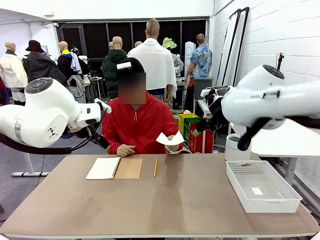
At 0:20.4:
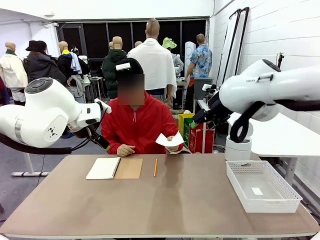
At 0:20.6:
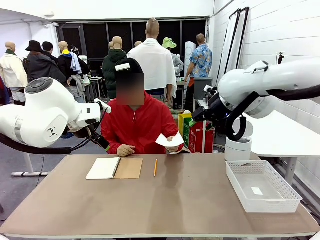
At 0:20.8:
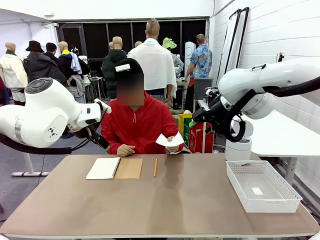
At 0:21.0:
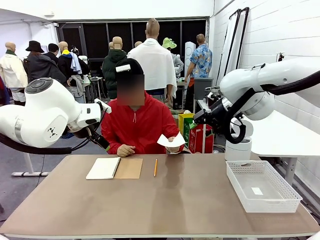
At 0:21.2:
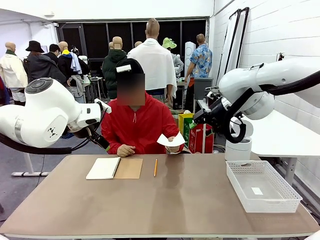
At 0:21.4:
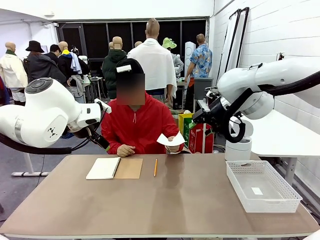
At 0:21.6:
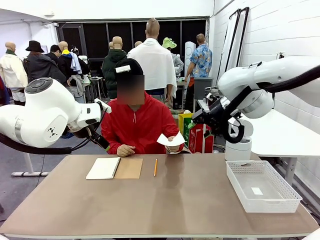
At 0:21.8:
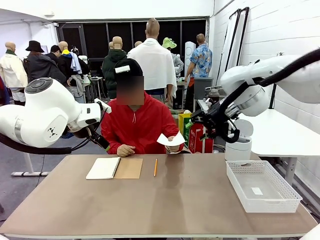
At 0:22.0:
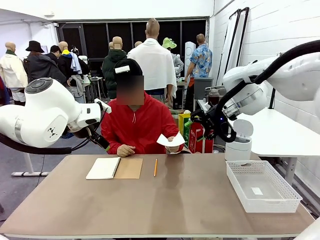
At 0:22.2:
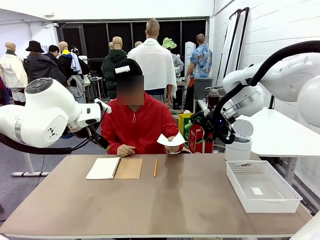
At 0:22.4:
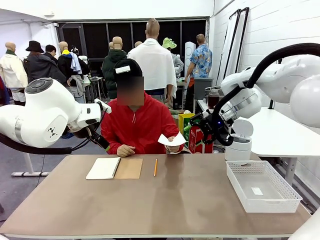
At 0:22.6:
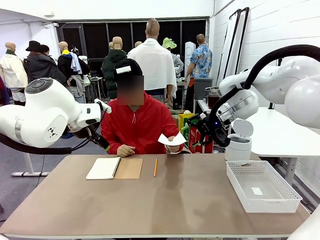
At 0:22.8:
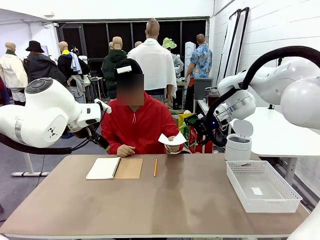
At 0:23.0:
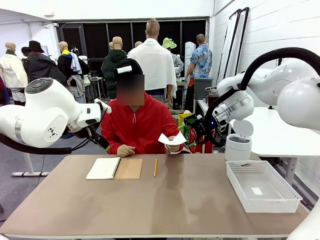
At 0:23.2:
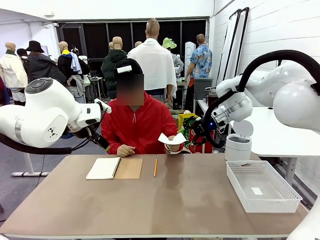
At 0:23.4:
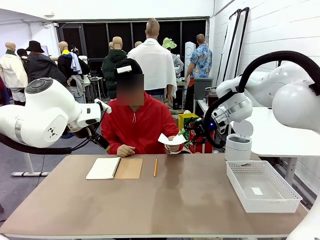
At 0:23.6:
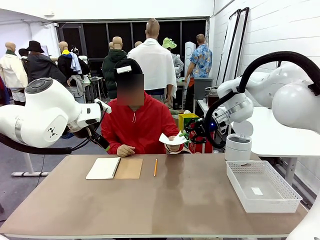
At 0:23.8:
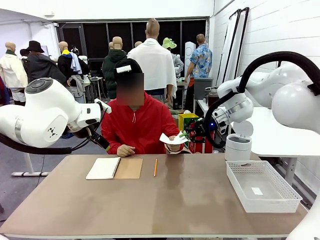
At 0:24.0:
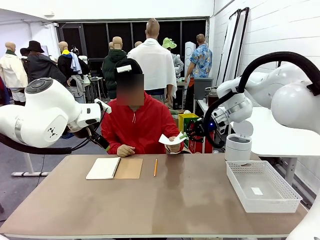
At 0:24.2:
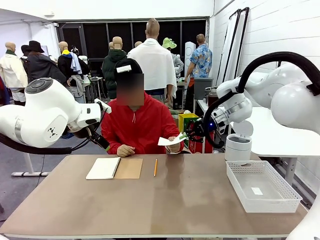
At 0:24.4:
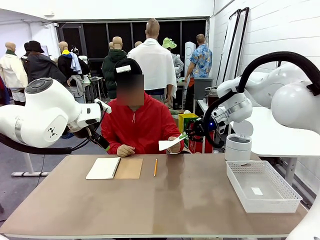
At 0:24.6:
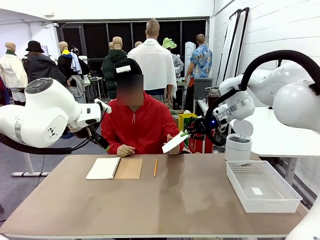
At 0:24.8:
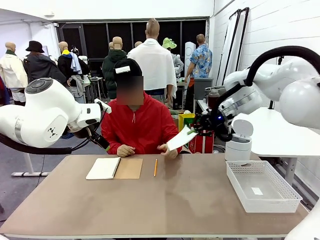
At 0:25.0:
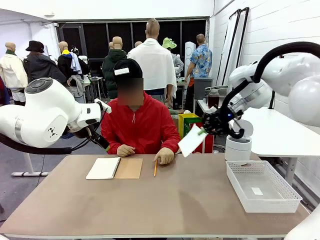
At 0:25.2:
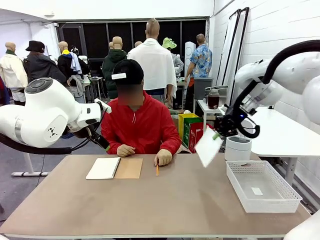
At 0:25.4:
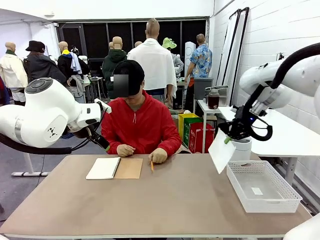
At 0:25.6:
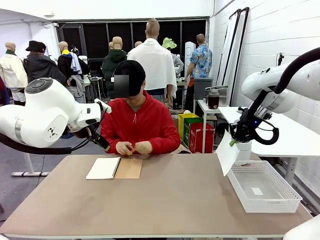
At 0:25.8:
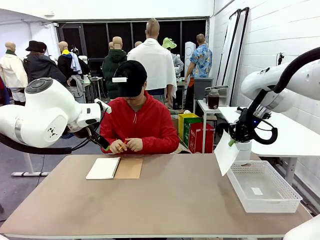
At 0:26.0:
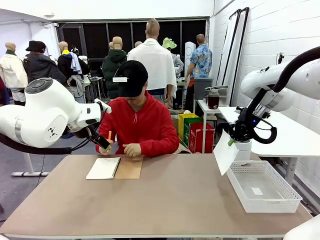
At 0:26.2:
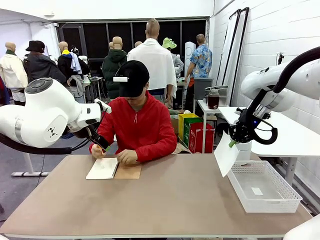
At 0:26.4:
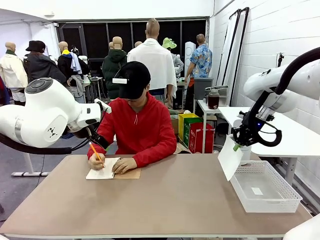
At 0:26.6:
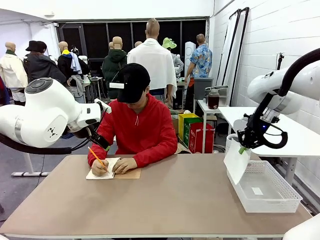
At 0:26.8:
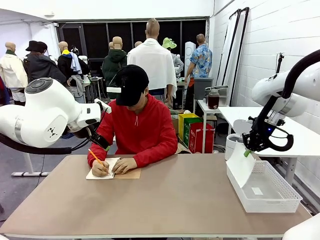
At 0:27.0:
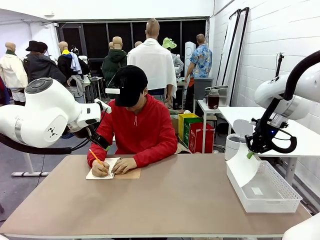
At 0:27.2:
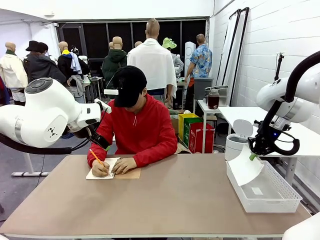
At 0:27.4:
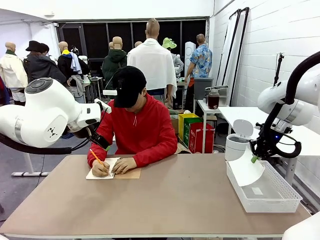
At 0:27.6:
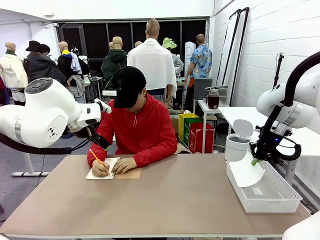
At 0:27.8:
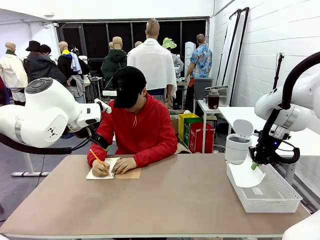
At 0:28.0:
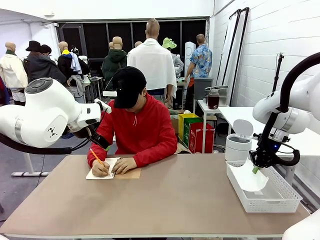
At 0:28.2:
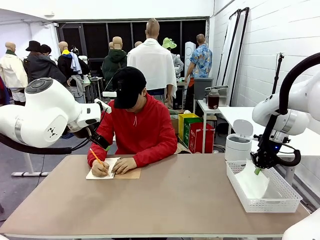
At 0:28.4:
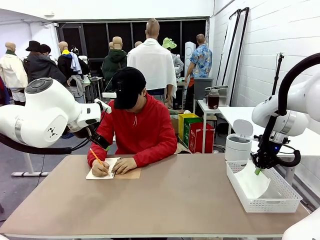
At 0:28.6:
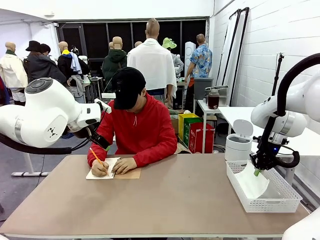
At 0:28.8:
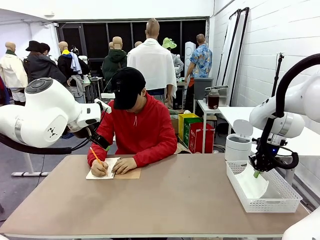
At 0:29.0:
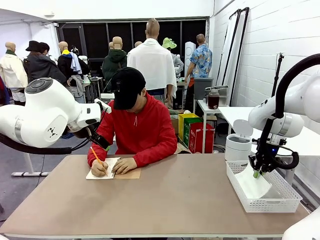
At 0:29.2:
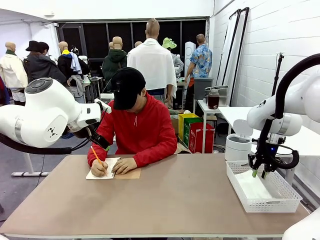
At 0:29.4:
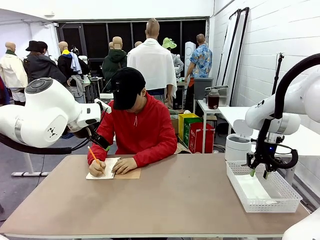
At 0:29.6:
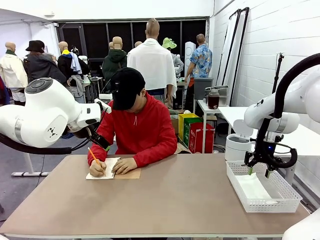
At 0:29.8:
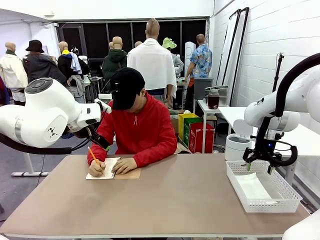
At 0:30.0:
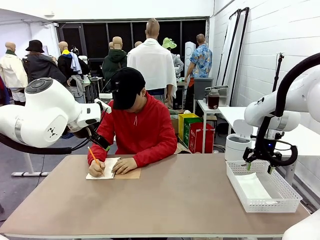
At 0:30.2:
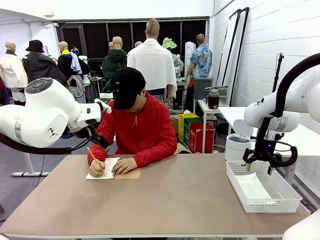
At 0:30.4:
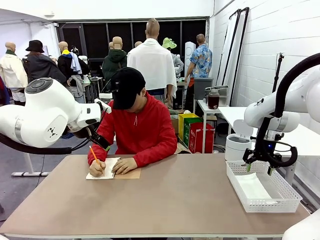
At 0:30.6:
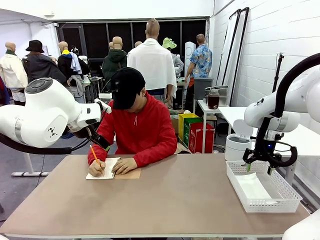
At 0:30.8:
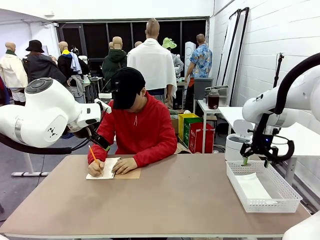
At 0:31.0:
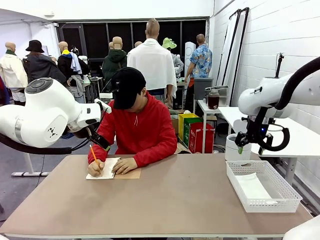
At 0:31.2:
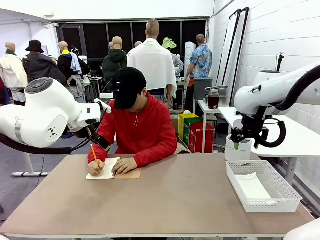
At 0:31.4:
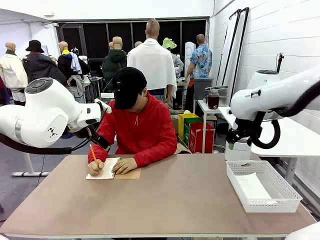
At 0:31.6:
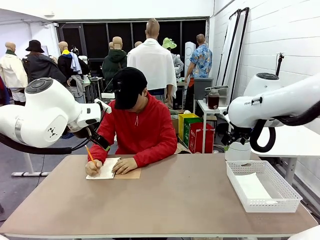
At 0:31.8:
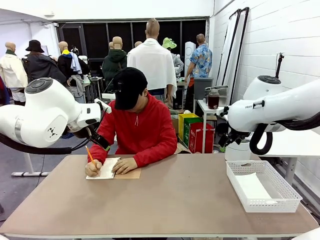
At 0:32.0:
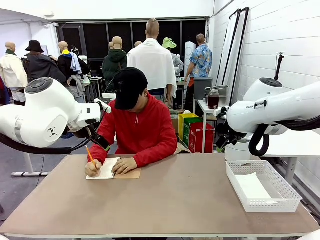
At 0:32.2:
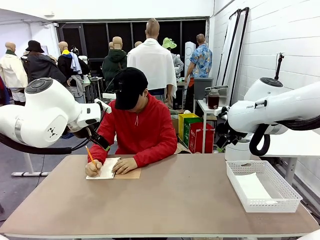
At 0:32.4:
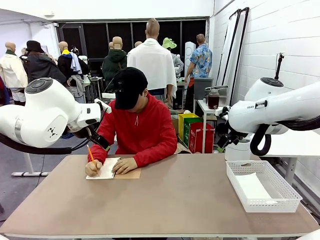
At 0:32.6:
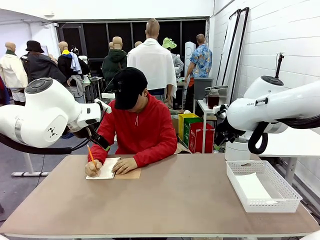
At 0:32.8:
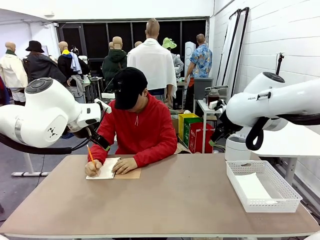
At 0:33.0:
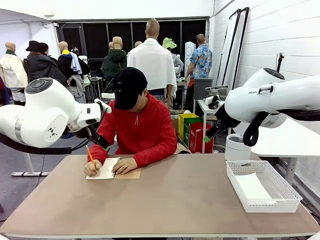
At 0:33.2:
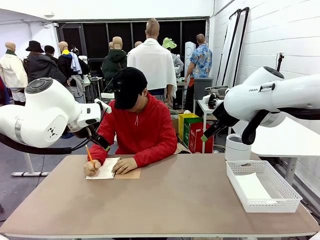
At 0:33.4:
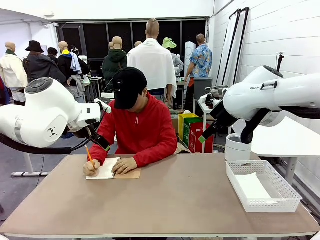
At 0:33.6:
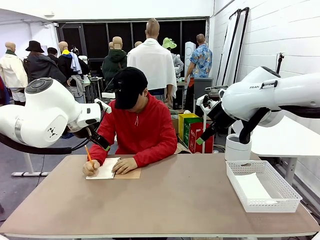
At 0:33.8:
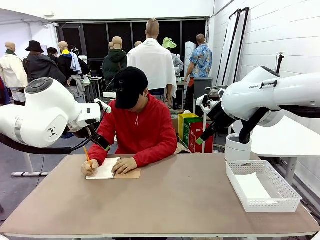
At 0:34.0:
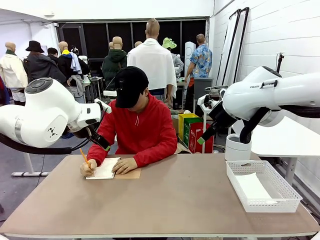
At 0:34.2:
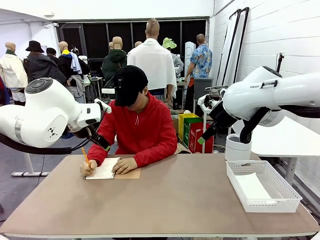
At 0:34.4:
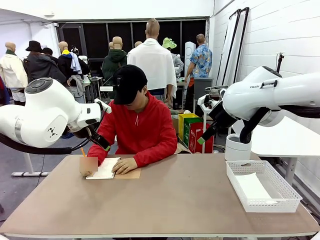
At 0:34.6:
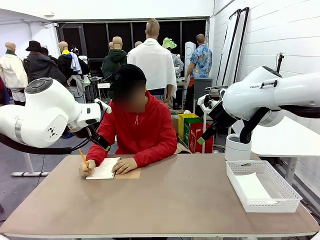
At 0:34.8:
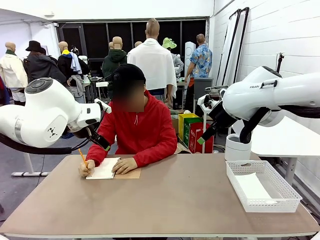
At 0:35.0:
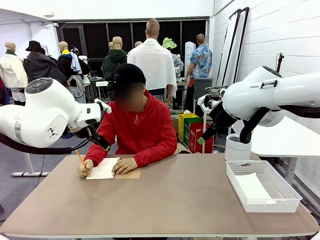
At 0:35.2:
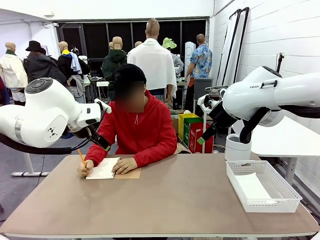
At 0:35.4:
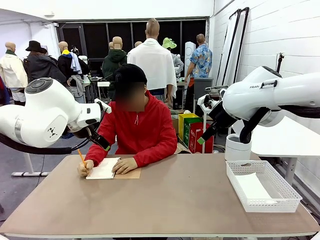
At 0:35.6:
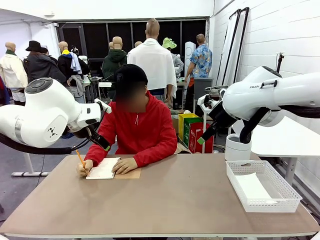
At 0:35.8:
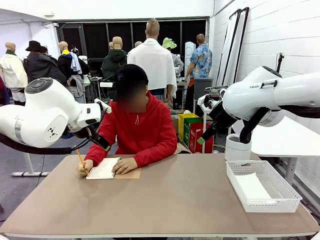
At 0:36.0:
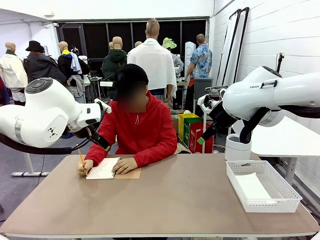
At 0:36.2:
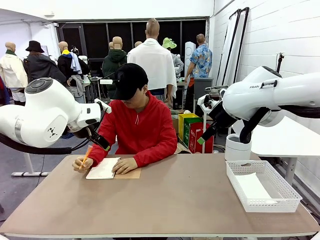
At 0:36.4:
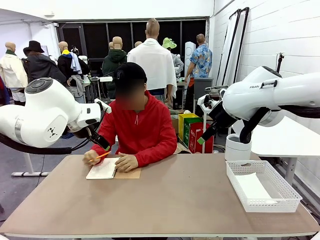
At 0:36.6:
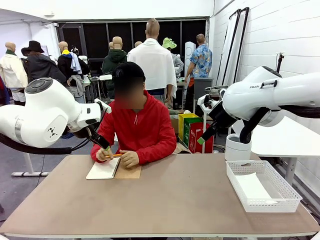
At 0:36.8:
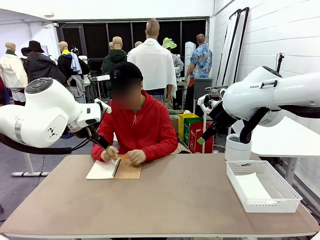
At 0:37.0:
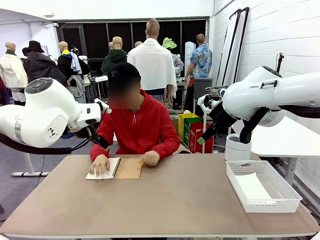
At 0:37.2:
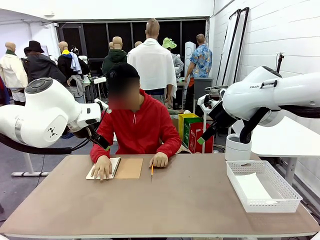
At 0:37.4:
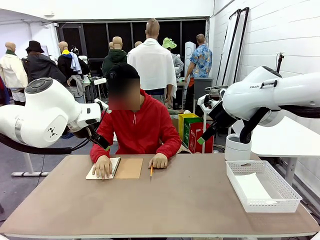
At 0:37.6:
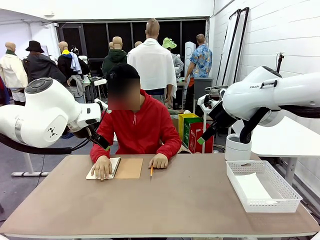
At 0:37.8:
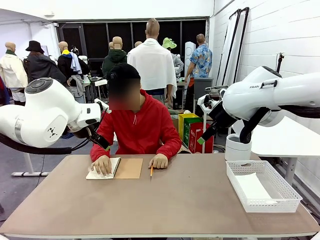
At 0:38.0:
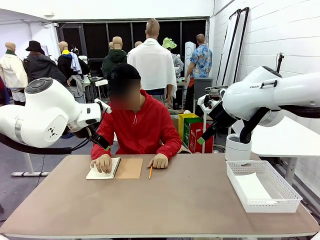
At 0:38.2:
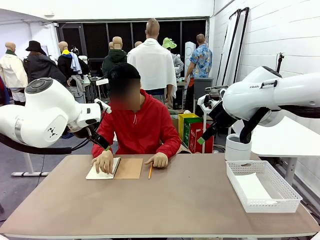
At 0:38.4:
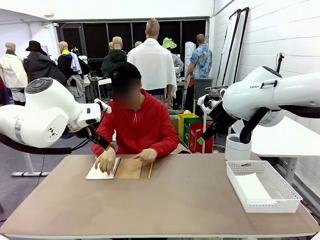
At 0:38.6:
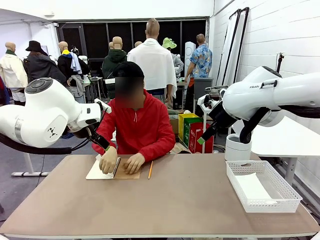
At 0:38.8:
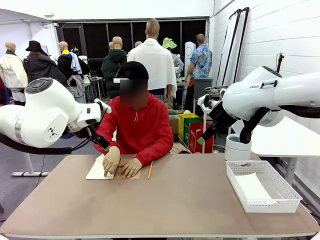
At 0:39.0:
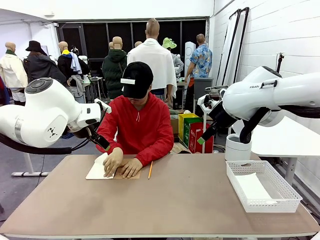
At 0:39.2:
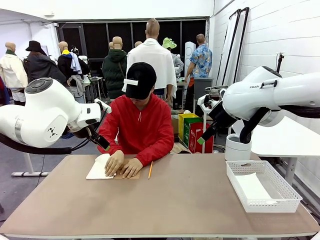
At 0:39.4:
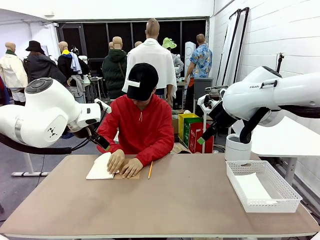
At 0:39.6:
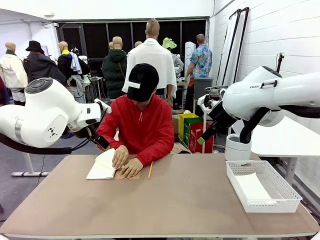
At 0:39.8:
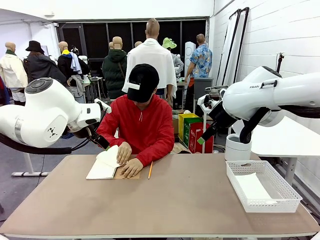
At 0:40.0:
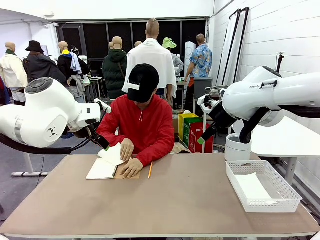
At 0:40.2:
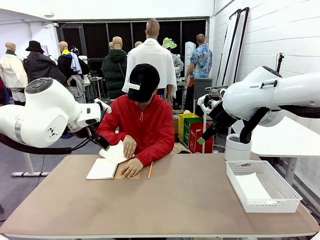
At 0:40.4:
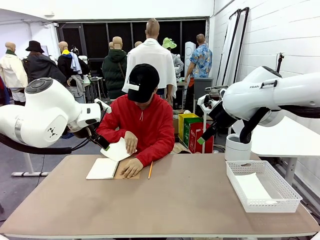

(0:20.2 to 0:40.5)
Task: Sort the paper based on its condition.
Robot: If a person hands you a paper, place it in the Organizing basket , and if it's crumpled, put it in the Trash can.
Person: Tear out a page from the spiral notebook.
